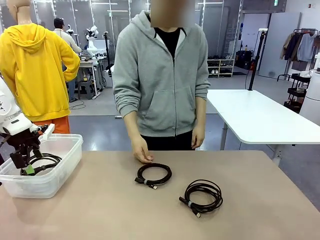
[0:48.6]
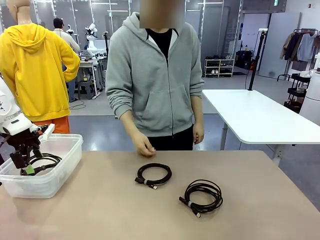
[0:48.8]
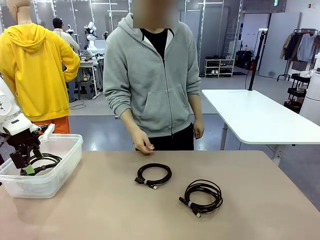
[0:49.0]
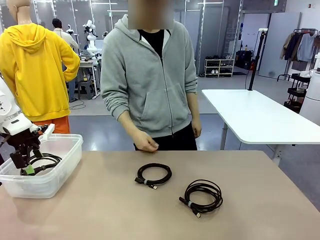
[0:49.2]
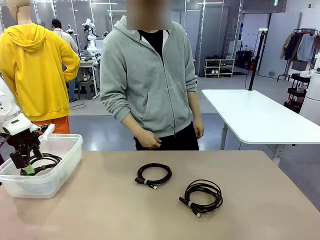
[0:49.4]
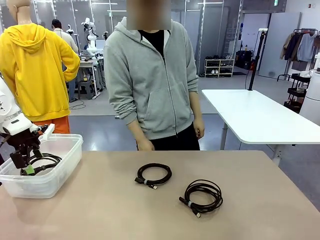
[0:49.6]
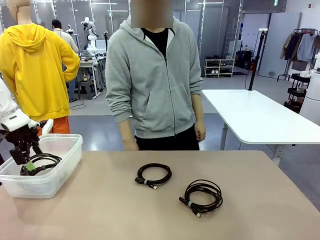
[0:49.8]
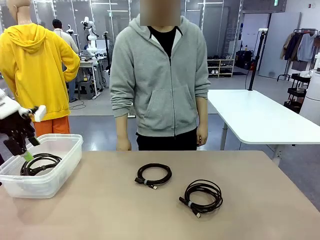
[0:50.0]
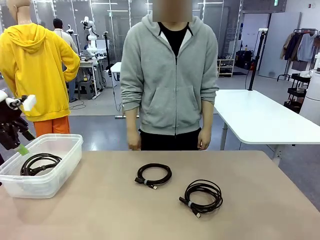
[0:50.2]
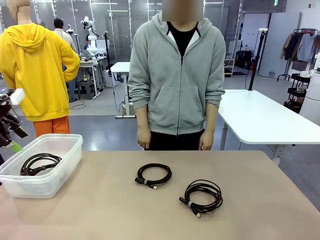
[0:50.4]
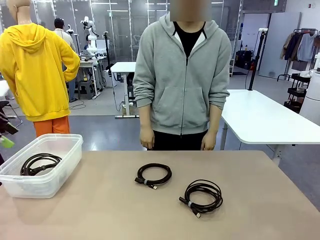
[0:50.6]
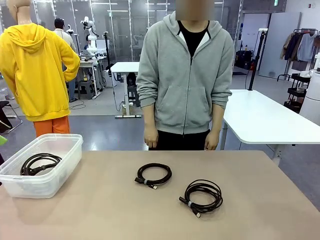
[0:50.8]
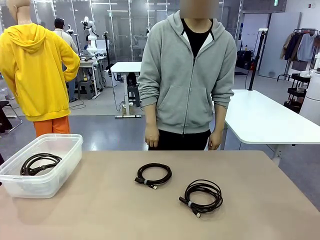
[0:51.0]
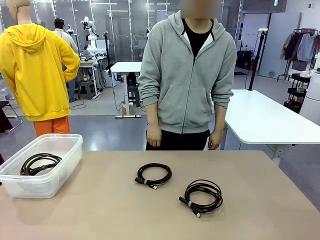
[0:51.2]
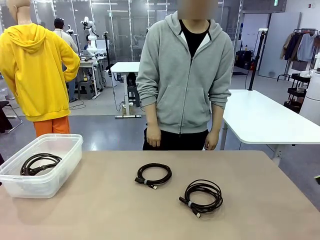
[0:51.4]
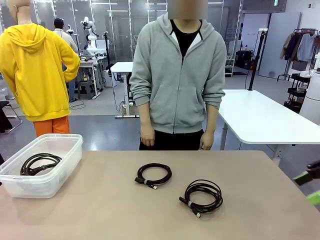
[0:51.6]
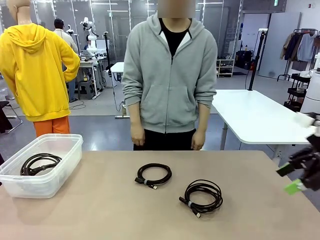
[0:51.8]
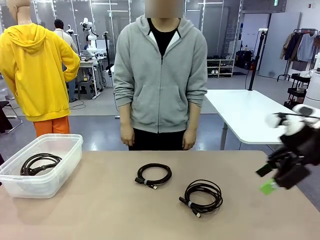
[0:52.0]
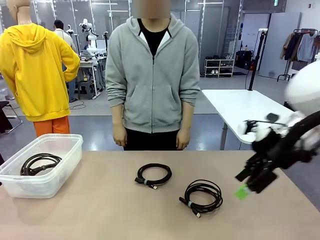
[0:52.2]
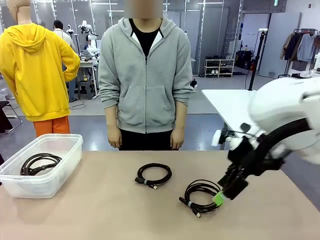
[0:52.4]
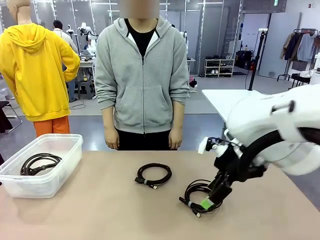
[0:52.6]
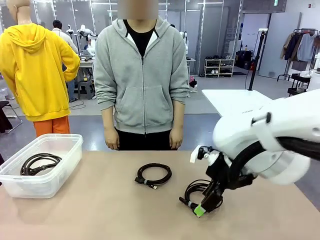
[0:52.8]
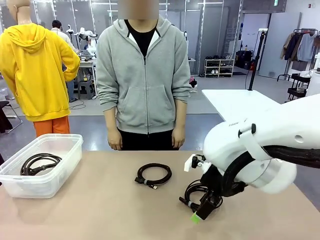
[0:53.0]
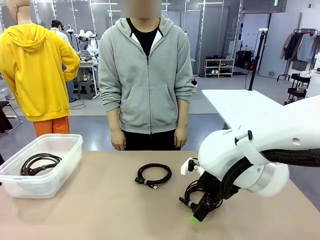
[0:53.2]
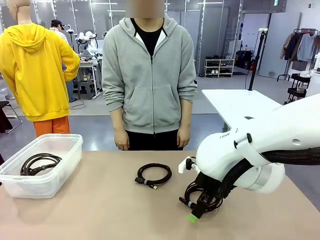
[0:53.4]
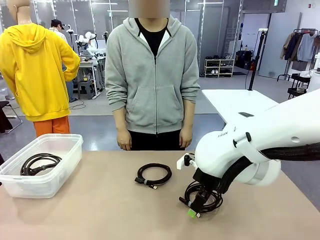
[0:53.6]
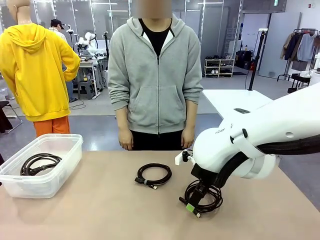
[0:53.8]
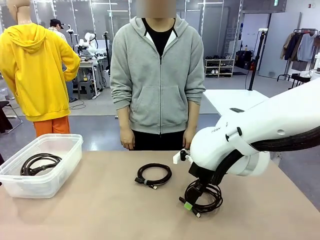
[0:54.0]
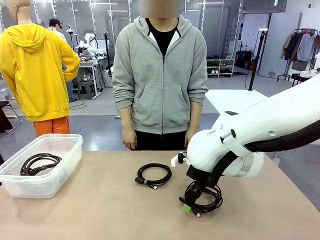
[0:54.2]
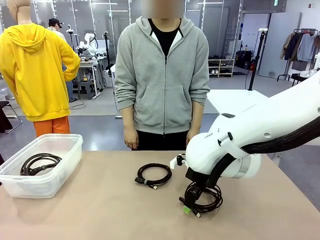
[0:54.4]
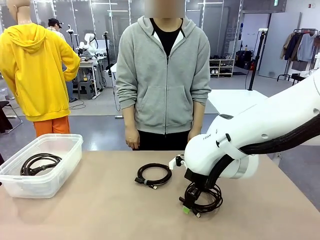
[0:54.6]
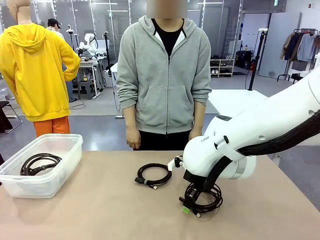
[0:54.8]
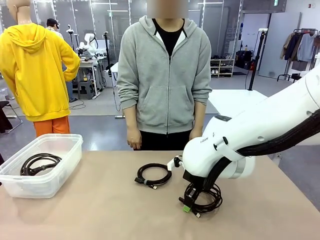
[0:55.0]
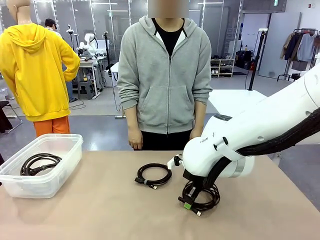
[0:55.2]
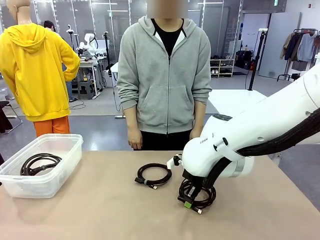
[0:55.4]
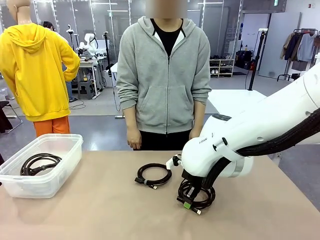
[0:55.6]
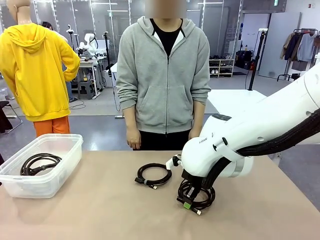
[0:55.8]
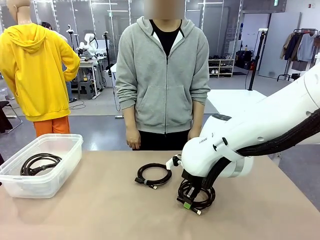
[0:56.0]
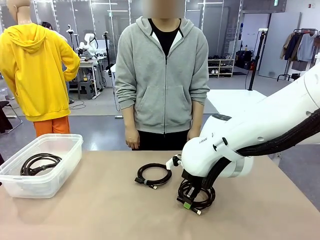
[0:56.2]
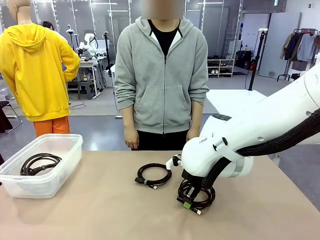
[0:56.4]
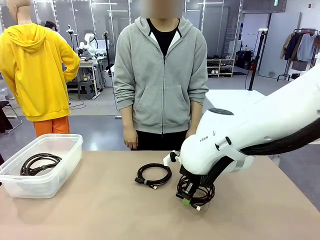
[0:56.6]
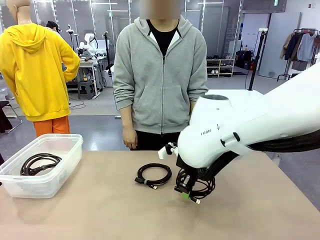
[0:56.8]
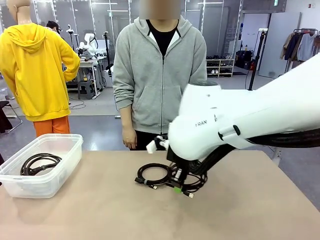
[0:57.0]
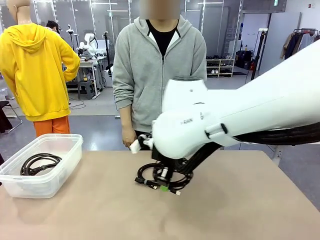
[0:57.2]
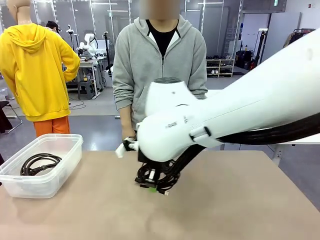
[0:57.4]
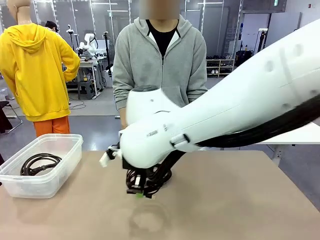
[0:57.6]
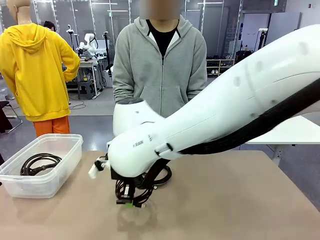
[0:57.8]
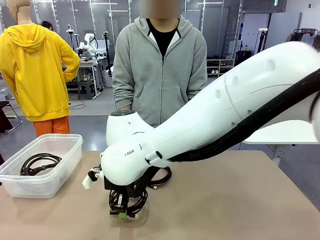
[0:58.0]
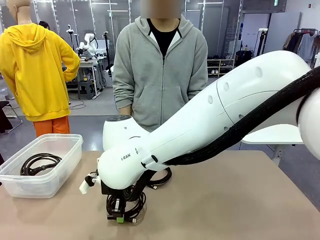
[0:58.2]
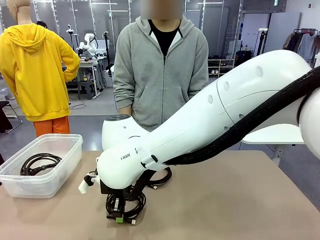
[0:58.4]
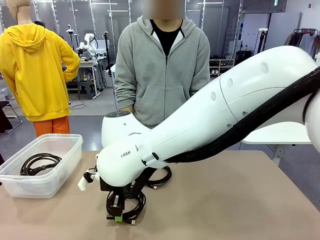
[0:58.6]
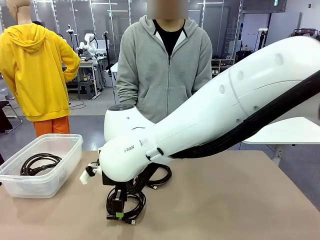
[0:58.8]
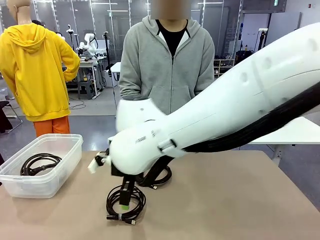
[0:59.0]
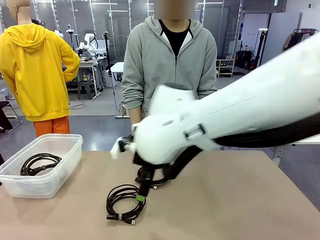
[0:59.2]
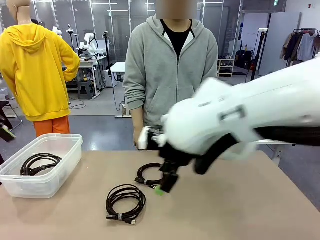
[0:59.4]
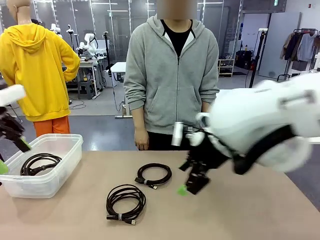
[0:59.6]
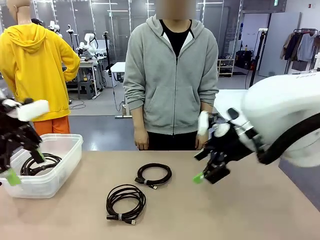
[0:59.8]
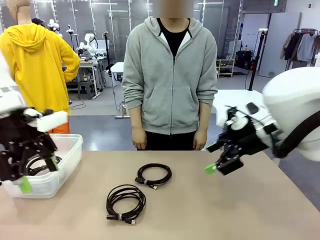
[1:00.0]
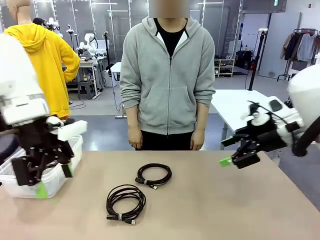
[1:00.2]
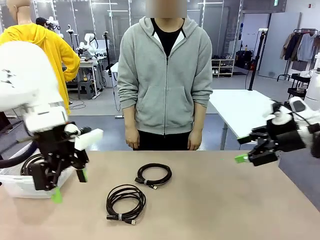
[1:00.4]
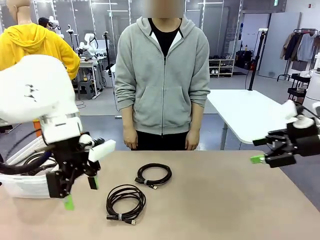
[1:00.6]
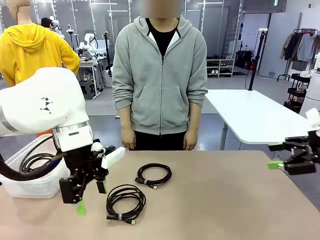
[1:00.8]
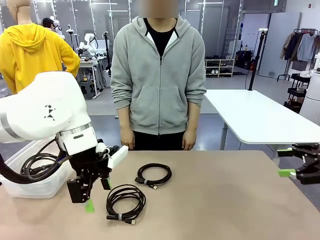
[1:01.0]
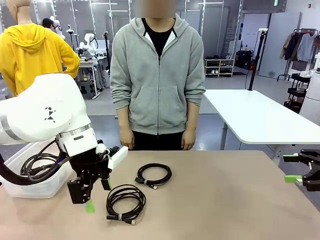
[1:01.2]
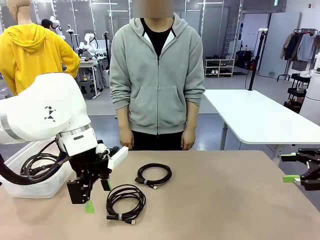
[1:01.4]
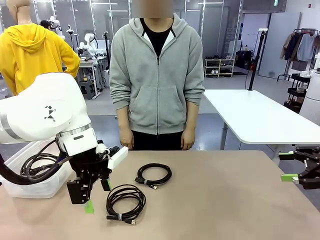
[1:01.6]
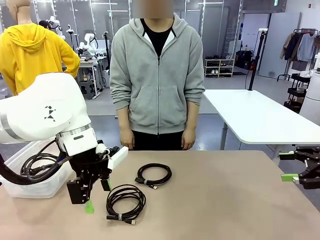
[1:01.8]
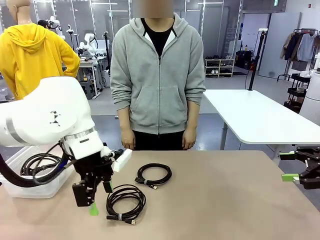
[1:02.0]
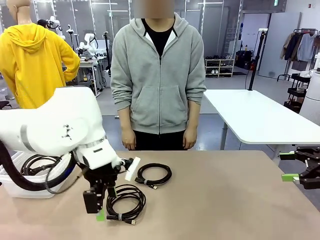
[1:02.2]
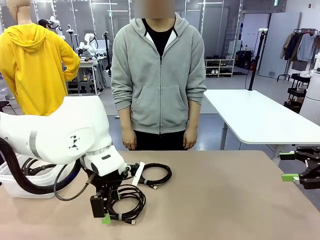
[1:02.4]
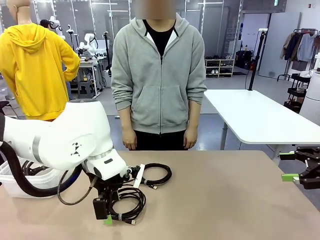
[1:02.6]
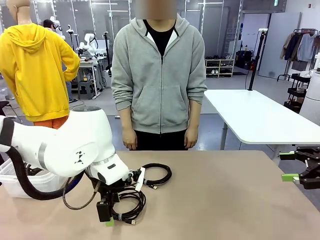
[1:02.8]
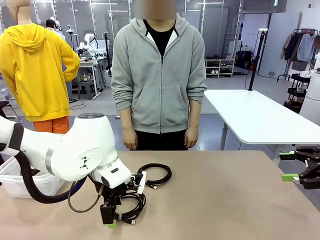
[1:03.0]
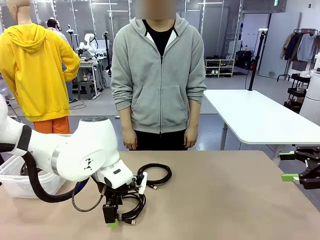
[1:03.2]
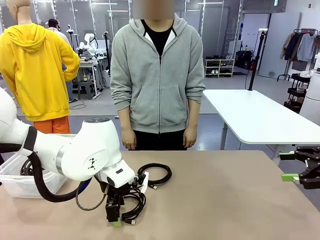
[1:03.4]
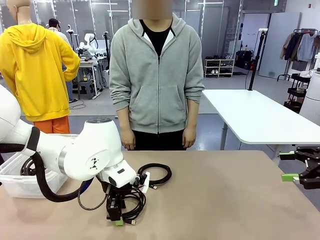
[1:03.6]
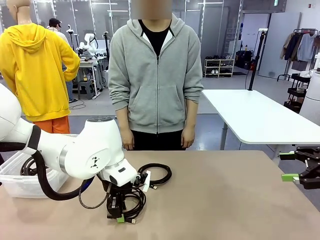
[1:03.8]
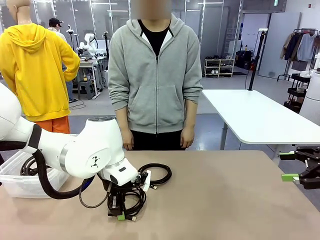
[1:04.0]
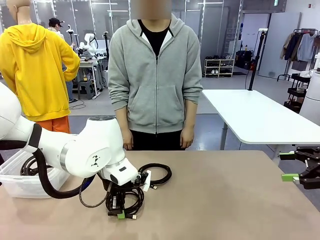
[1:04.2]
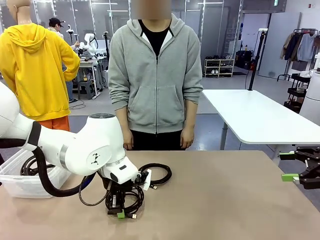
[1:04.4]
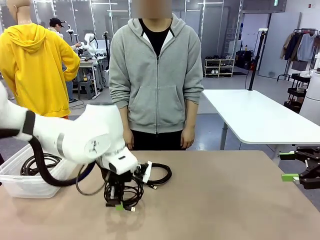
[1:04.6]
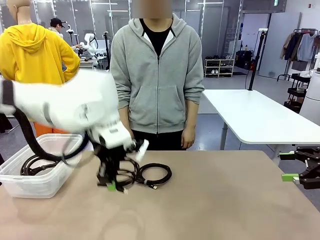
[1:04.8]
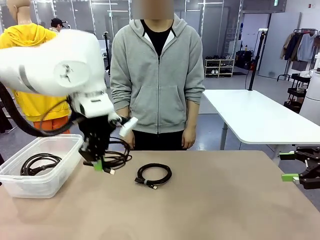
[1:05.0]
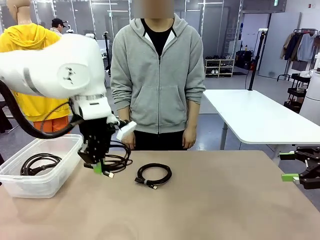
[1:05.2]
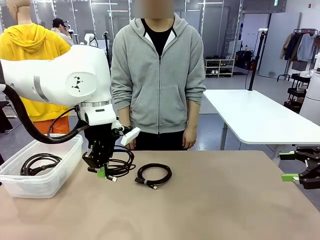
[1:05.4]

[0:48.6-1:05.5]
Task: Organize and store the cables.
Robot: Place the USB Extension Cable into the Organizing box.
